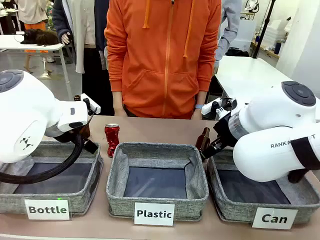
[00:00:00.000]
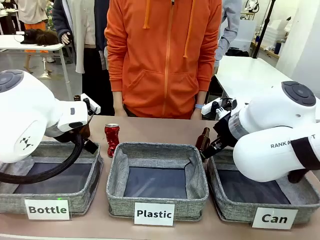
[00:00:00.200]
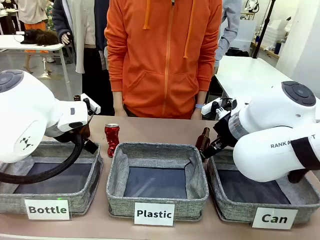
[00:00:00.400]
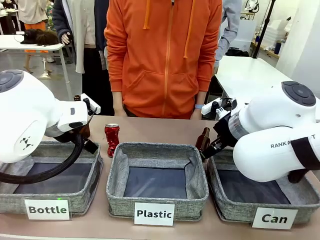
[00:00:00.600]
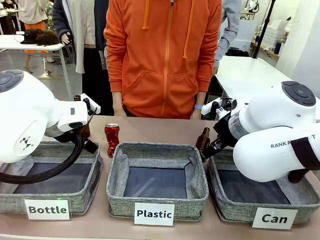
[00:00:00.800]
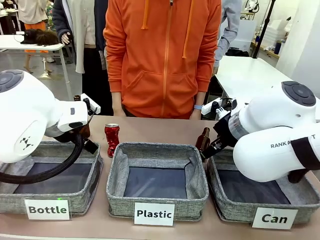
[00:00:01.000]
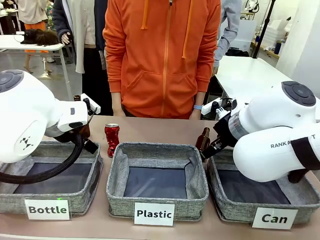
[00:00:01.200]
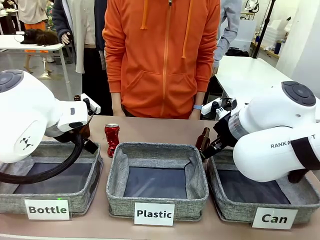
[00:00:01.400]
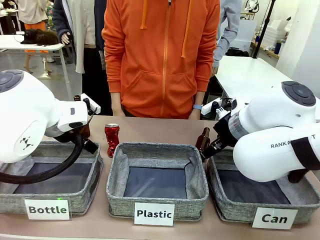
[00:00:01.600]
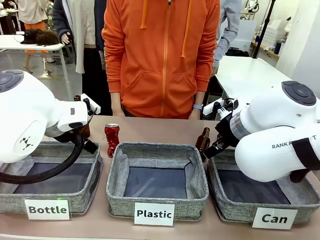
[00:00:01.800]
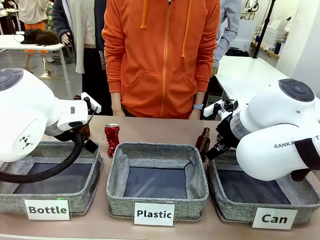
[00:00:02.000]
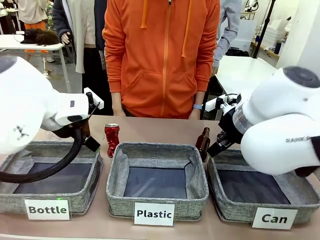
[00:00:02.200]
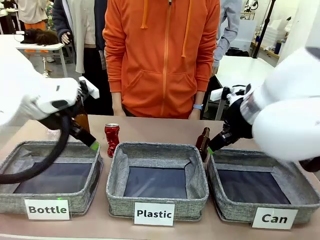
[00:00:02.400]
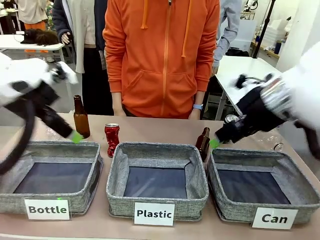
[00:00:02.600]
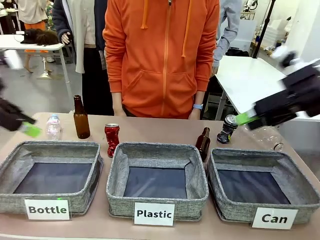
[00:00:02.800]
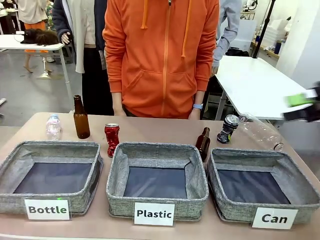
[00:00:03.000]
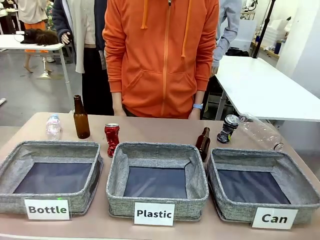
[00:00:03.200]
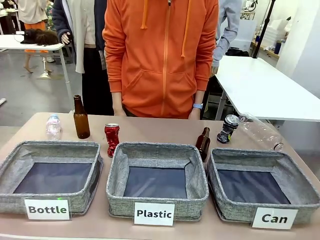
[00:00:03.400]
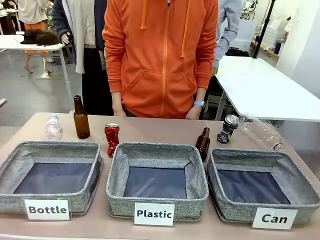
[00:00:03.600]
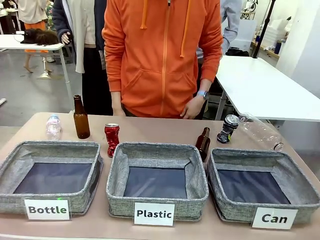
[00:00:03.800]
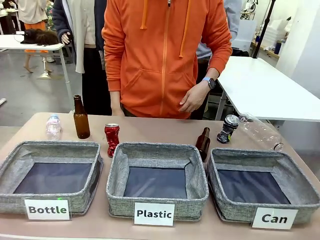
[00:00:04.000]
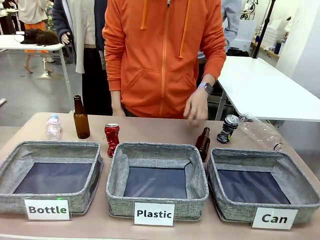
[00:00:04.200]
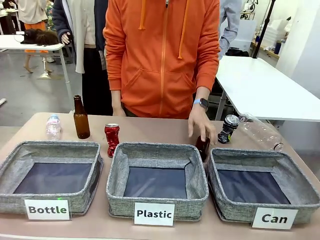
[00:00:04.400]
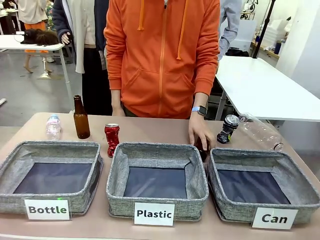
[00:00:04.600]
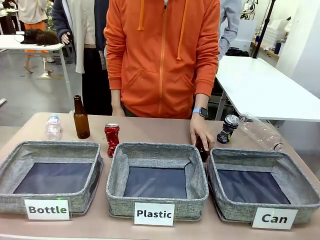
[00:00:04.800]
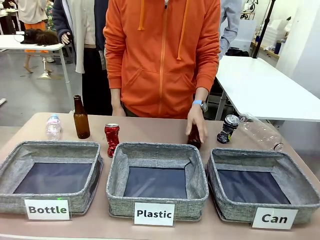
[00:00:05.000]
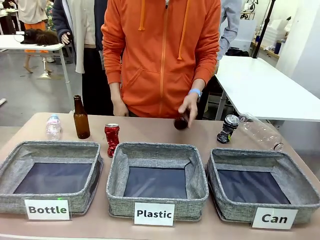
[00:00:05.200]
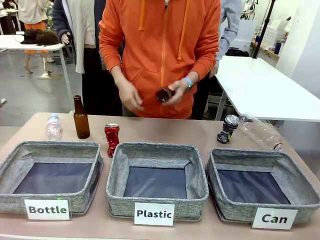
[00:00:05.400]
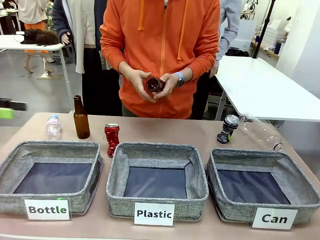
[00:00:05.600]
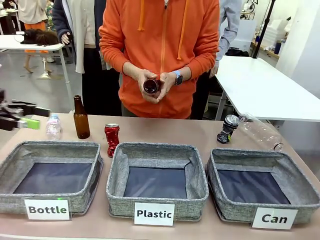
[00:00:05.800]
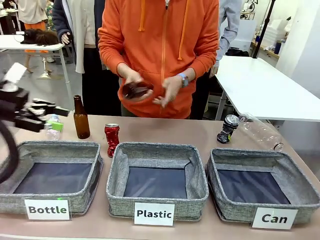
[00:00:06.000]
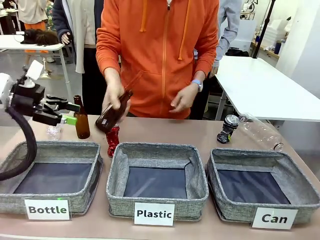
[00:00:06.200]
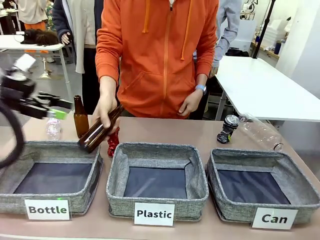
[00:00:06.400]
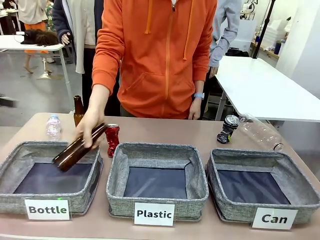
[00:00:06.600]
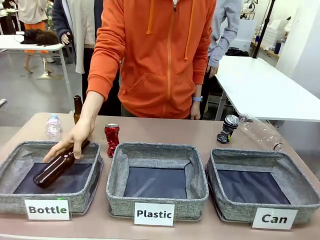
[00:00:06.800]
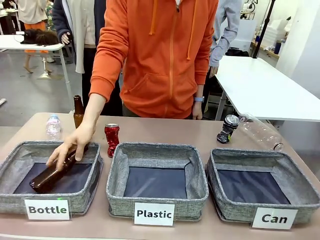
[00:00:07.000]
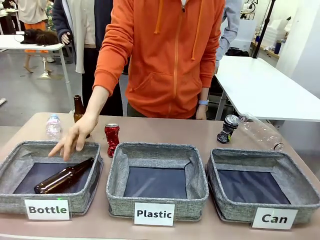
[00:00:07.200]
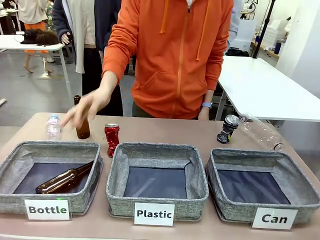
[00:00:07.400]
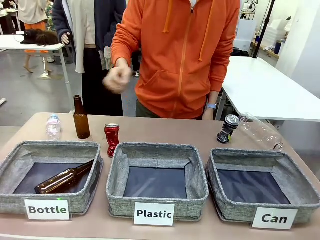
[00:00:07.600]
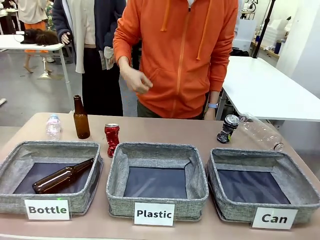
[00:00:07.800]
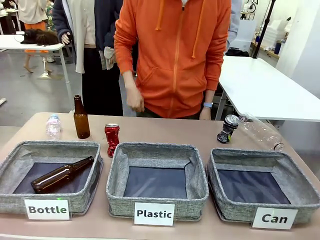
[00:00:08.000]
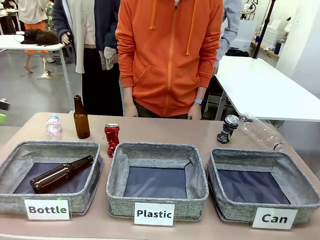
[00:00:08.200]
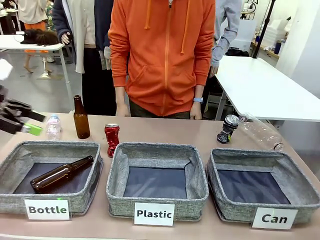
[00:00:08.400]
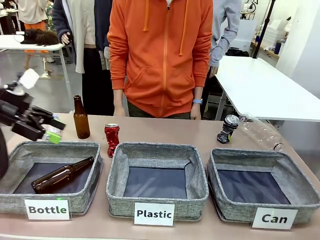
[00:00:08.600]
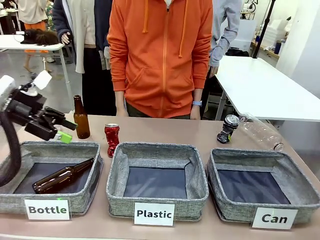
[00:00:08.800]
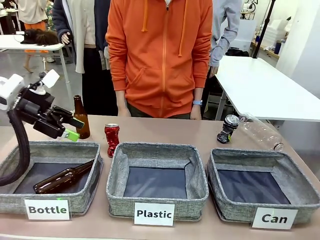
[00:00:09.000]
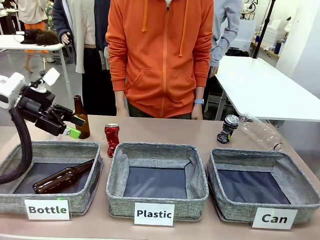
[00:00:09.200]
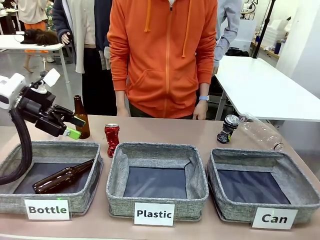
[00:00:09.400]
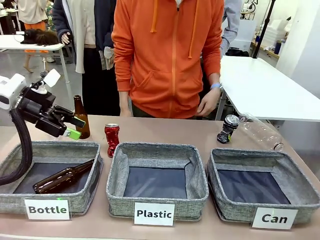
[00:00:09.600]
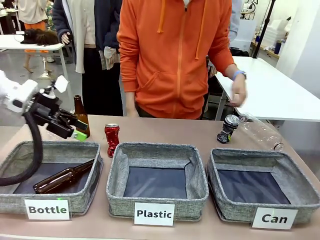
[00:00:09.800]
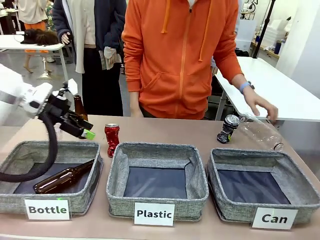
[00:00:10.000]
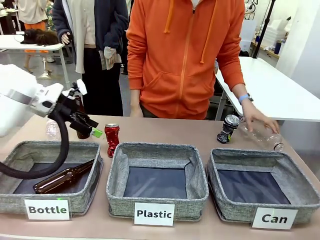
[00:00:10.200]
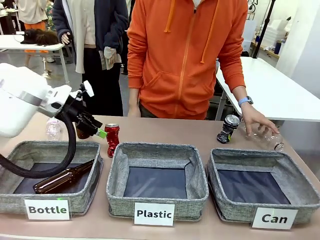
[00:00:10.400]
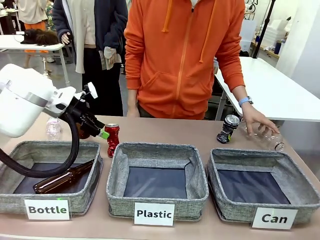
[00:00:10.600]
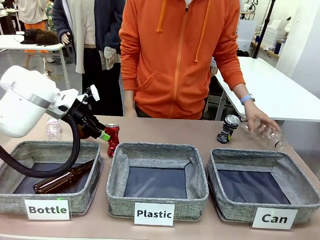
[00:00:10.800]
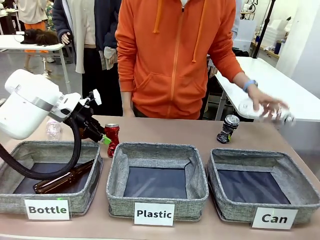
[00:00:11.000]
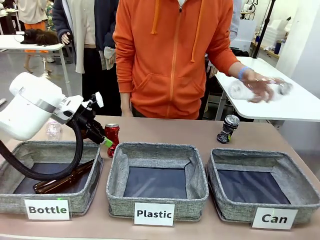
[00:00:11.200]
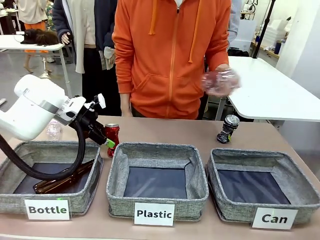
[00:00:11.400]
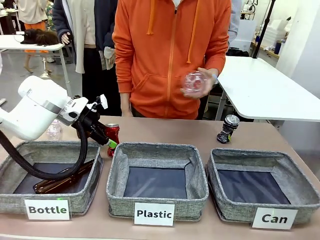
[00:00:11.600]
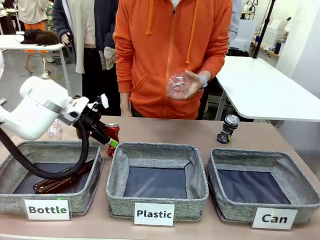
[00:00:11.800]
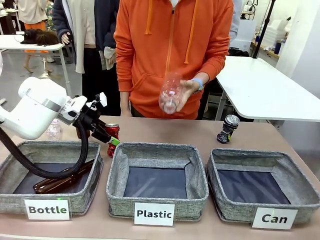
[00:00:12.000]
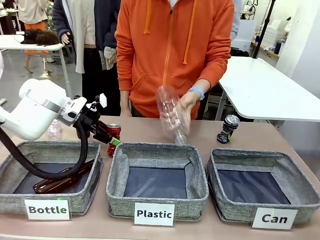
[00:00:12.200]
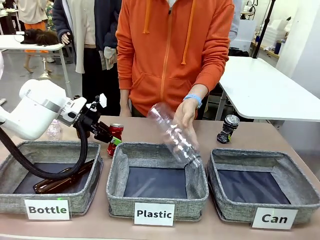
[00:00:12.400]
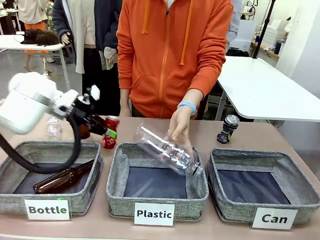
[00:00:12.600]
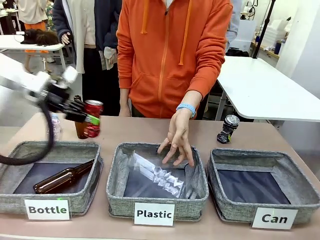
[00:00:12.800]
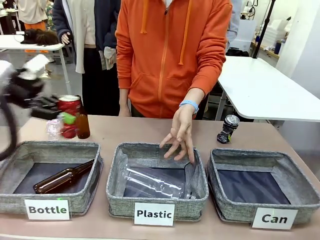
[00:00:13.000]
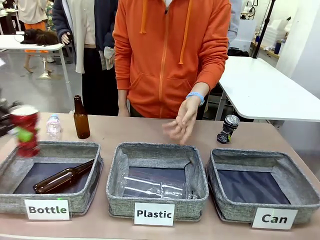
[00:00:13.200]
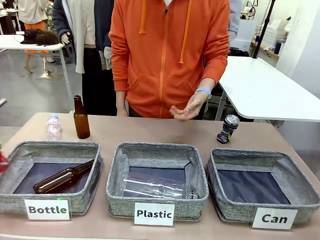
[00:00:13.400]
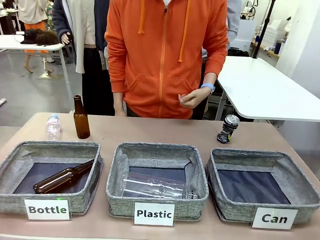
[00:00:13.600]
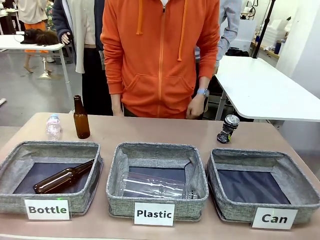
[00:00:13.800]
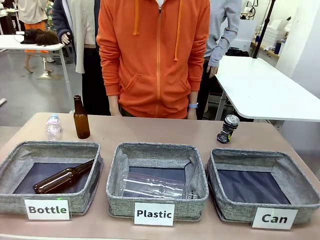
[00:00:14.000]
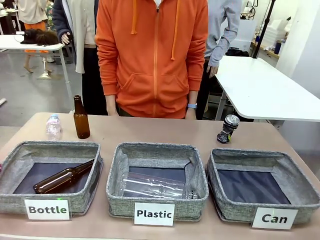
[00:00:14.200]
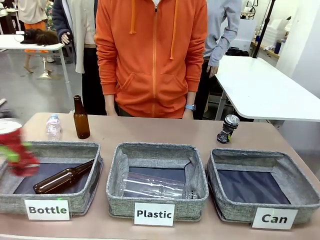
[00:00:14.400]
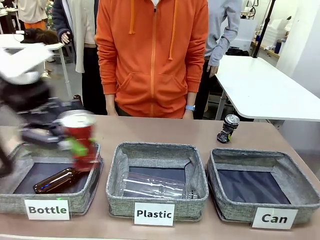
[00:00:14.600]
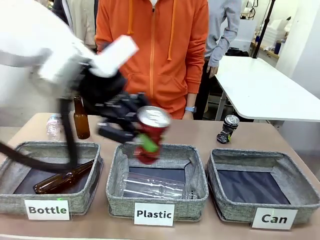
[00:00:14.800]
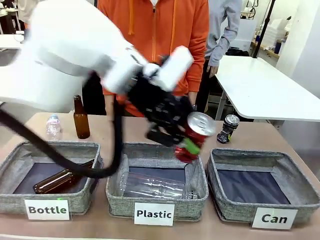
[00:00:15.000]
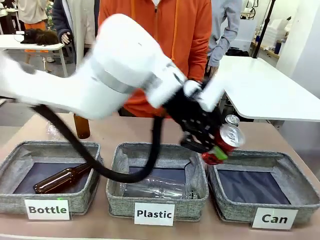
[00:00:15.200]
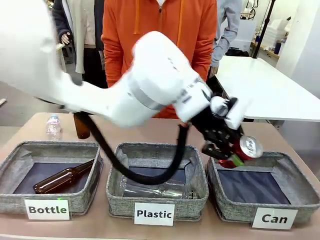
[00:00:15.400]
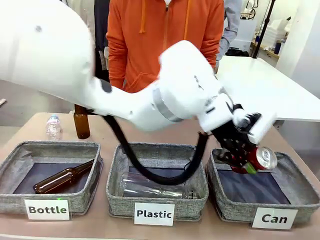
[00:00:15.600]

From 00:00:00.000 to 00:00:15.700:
Task: Sort the can waste into the basket.
Robot: Pick up the can waste from the table and place it in the right Fabric basket.
